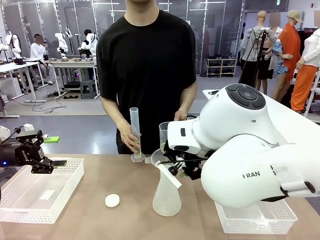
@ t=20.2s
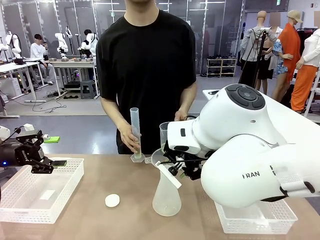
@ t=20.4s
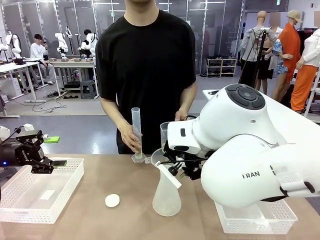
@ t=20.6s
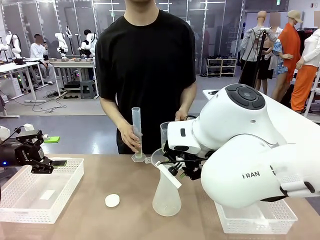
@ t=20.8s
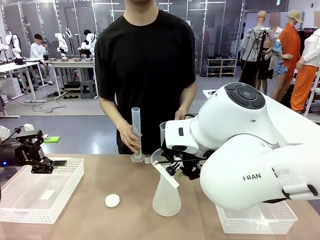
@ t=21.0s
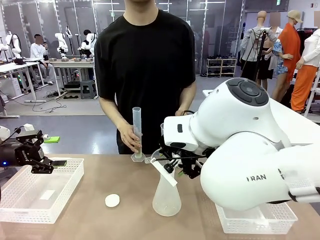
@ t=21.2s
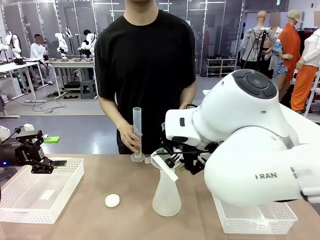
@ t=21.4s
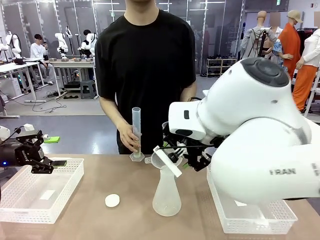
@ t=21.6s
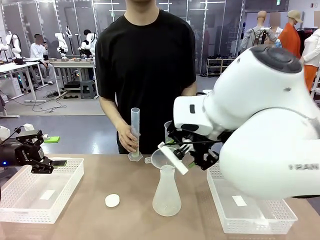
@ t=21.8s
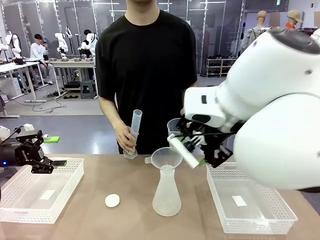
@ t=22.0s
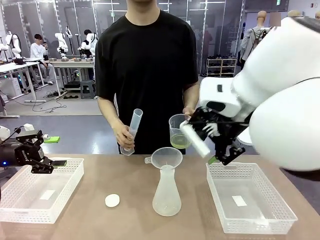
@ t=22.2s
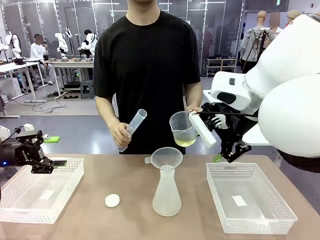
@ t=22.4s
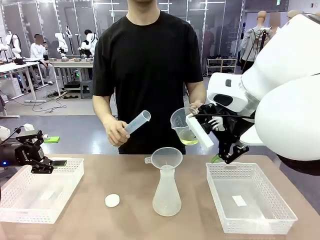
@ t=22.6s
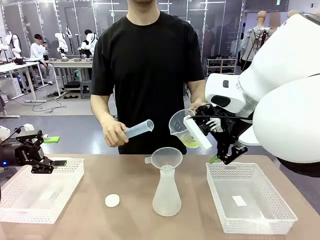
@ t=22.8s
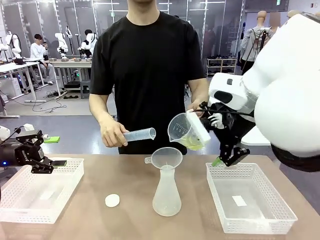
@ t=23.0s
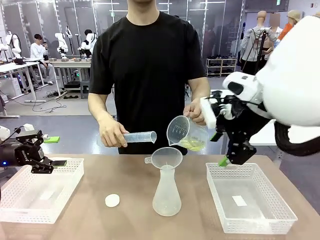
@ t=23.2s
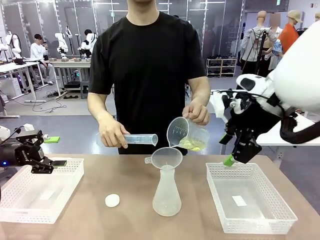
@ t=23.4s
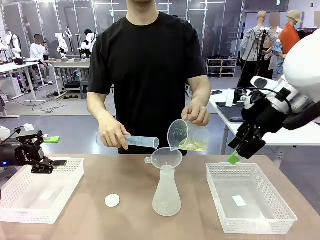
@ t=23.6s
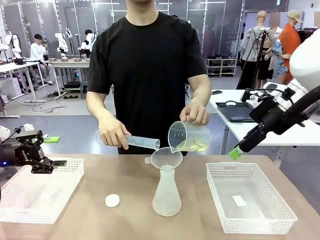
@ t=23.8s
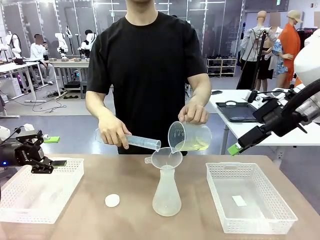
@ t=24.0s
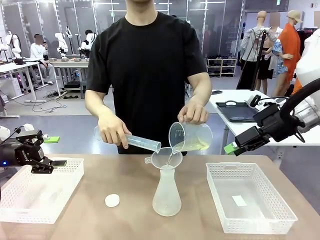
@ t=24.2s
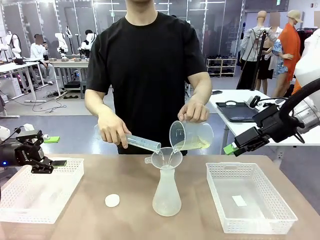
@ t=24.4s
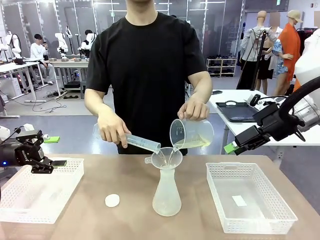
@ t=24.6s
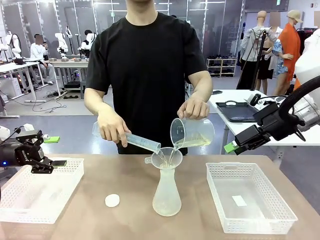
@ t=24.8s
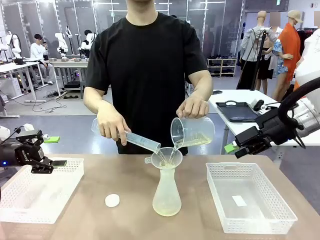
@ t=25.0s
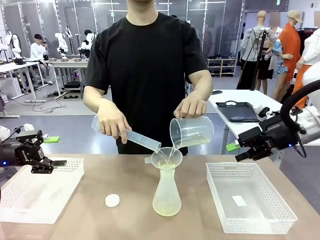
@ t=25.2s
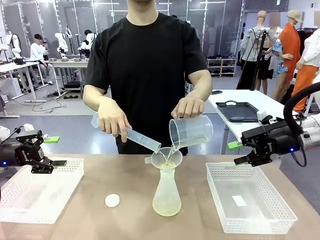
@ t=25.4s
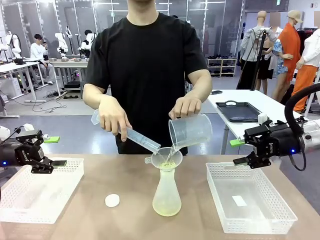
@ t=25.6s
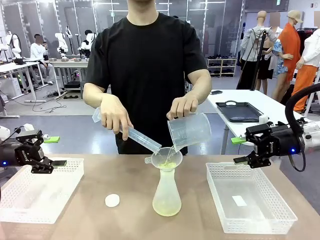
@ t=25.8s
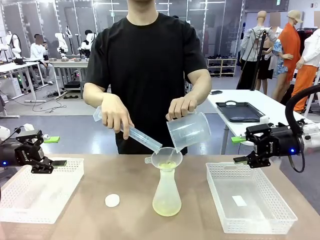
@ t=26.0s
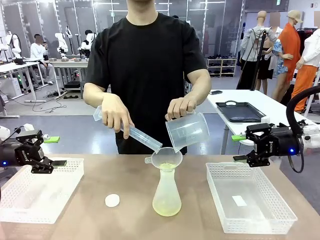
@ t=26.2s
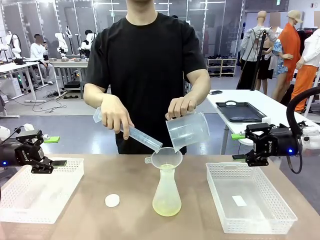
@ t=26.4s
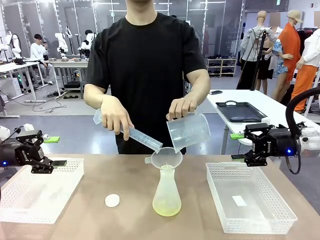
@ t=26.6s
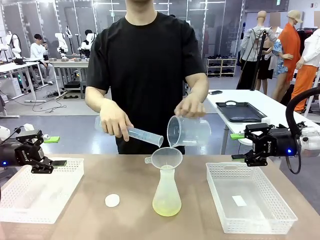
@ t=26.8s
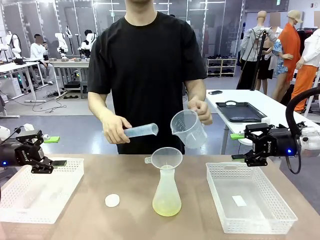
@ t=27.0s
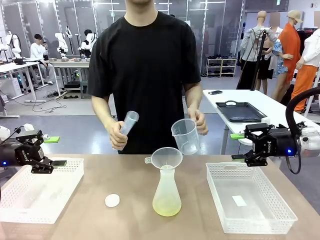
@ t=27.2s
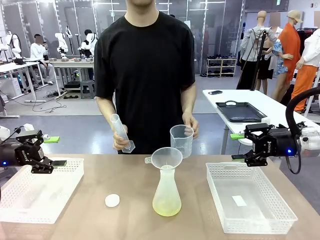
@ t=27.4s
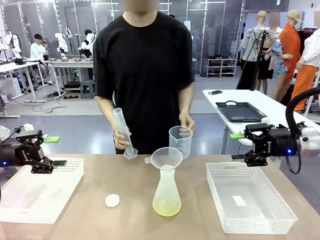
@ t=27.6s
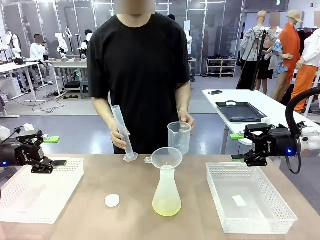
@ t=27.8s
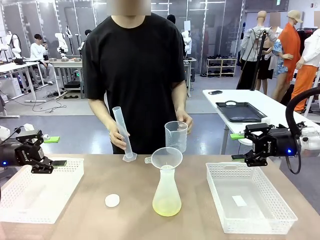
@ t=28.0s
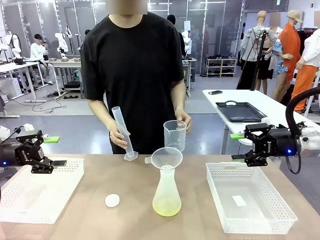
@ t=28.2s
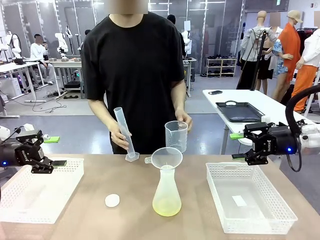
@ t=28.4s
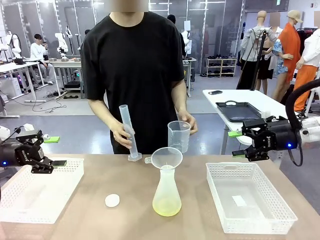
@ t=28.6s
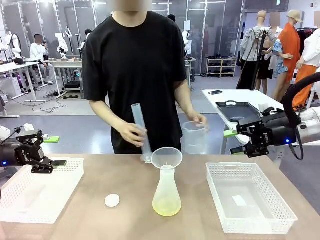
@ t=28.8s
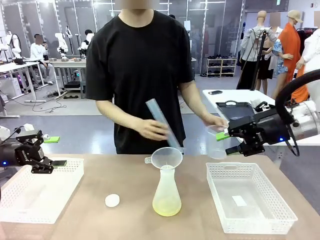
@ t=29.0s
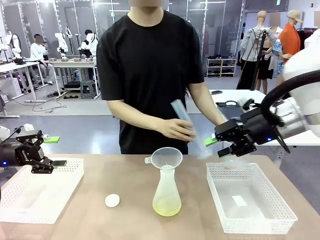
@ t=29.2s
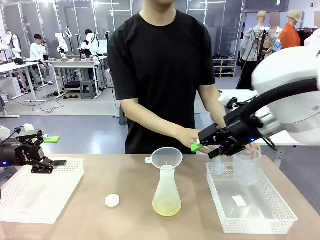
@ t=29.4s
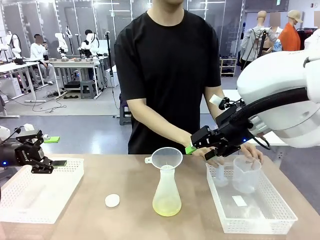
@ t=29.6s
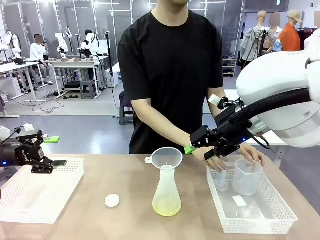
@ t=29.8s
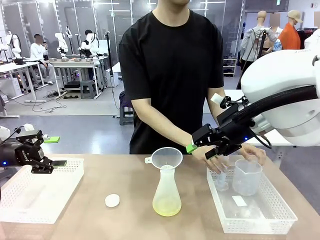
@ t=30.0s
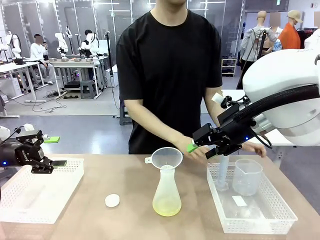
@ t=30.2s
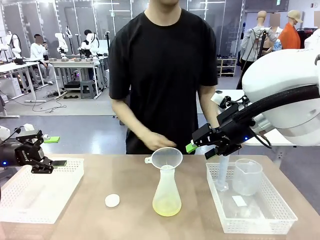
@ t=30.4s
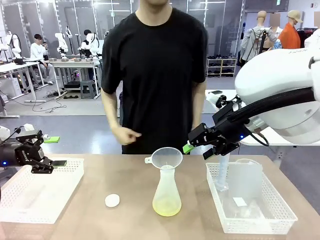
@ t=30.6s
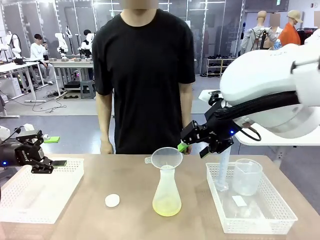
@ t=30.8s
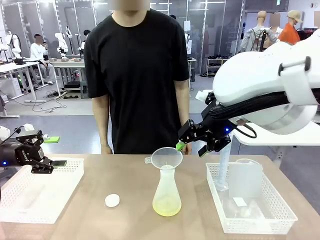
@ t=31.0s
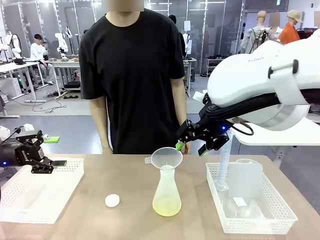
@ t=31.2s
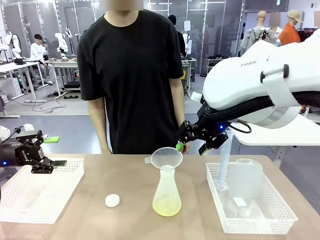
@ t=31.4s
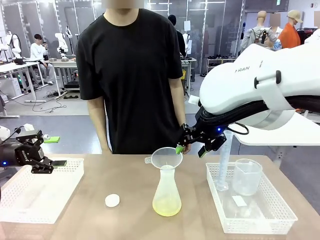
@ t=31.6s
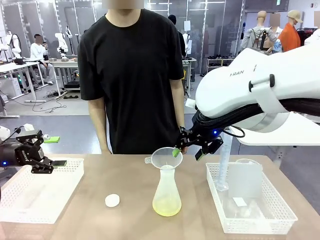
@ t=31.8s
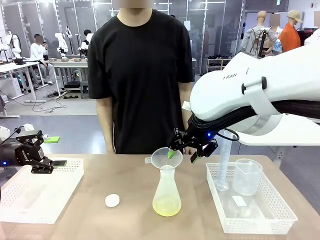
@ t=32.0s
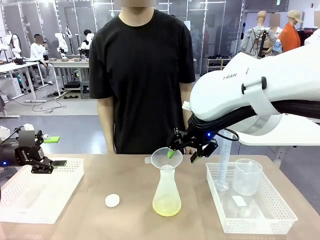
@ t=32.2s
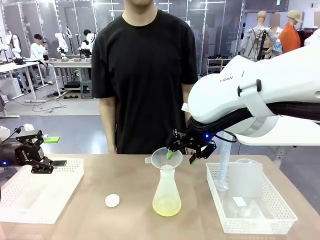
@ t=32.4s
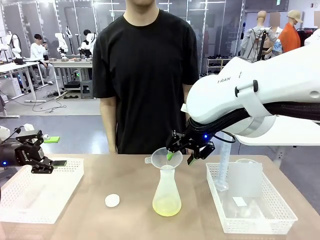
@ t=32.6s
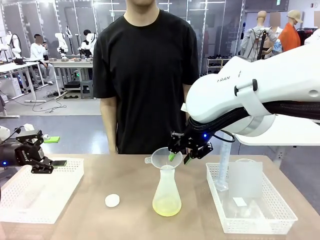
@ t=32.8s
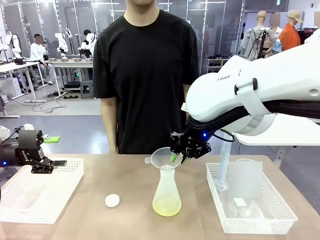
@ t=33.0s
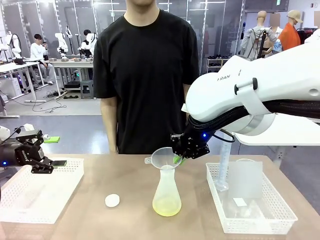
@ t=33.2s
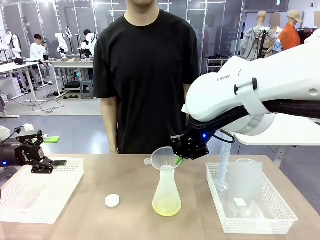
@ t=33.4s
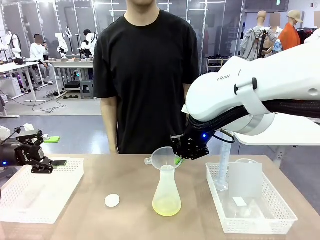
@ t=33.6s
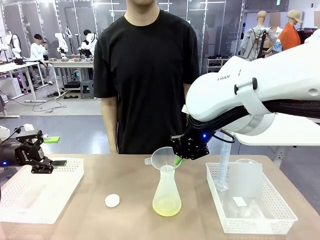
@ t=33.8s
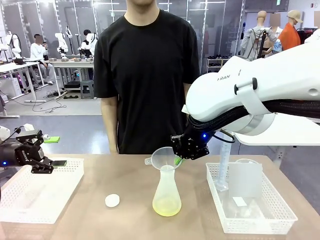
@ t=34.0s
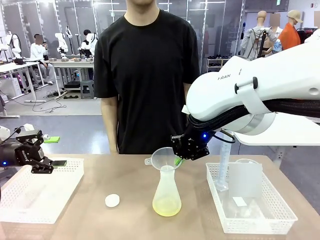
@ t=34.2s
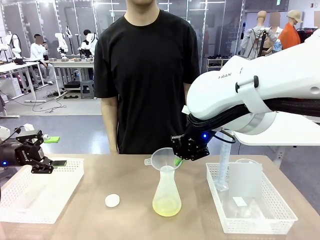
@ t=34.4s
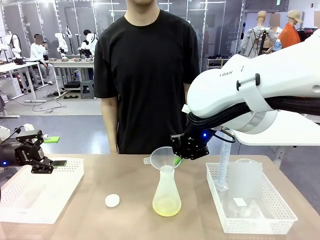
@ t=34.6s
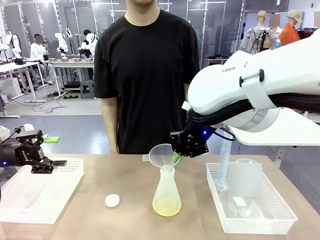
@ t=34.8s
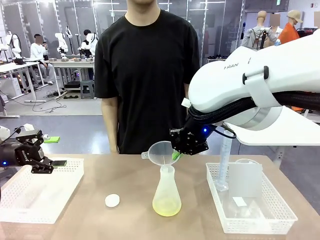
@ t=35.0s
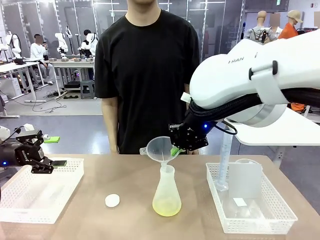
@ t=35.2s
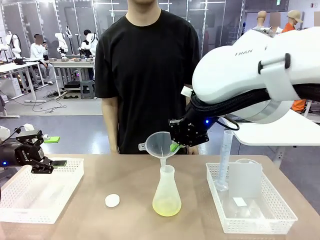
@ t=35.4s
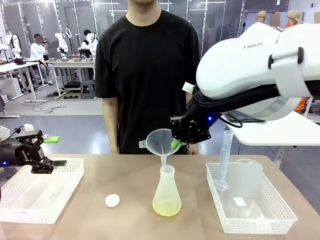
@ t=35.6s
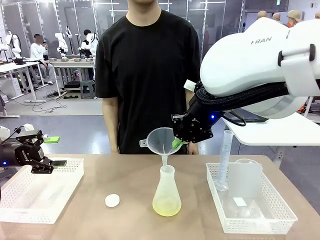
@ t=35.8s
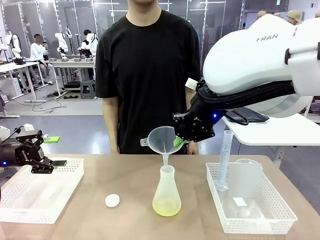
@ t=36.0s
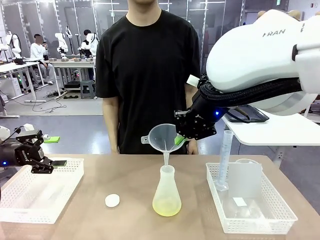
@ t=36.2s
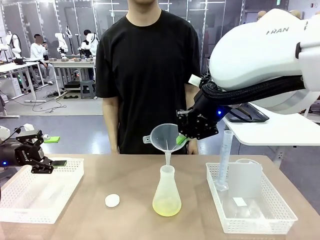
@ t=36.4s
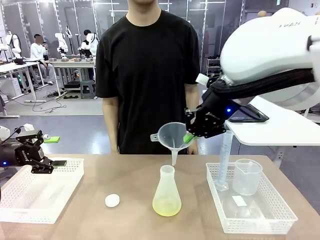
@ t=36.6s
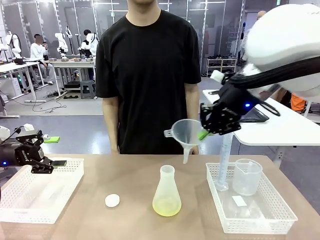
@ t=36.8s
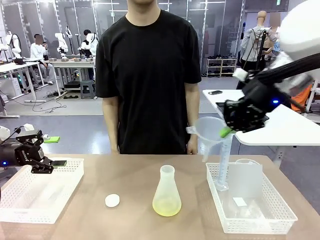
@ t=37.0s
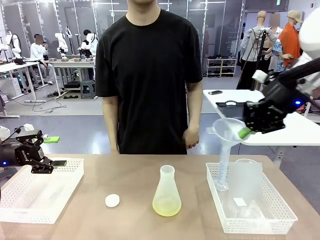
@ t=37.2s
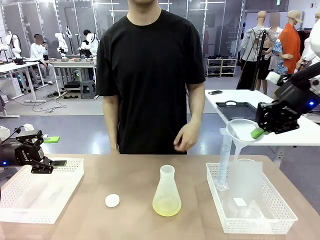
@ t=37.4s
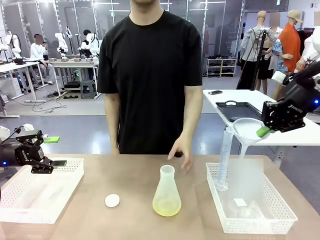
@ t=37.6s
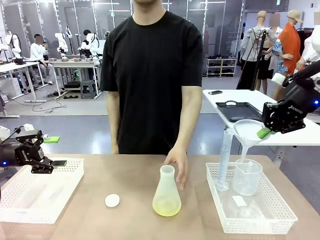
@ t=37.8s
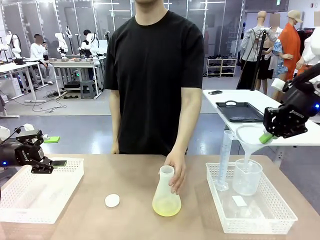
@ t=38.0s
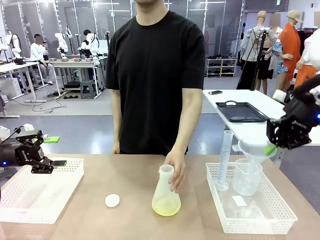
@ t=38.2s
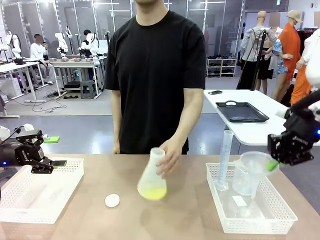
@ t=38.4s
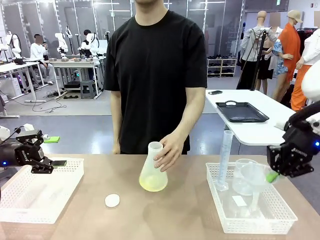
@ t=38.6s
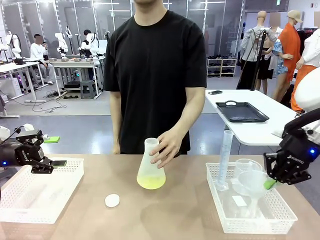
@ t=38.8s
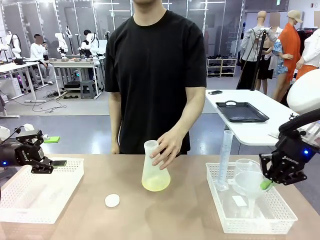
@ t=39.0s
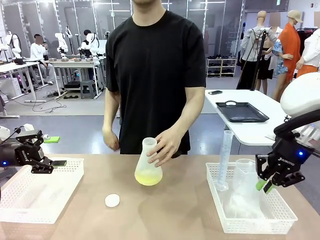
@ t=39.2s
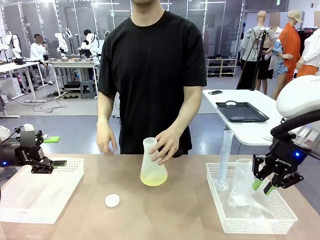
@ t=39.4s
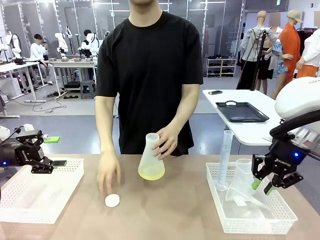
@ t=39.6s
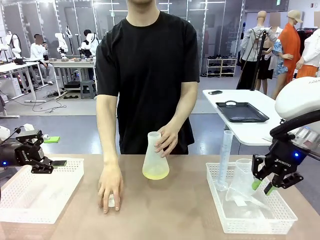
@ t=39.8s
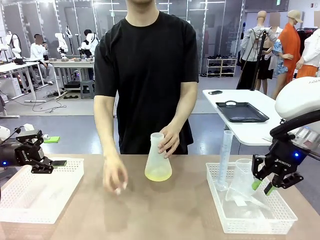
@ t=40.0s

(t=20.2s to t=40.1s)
Task: Prepare the solutions needed for the experiment.
Robot: Once the solution is in the Big flask , pick up the Plastic Funnel and place it back into the right Organizing basket.
Person: Place the beaker and the cylinder into the organizing basket on the left side. Pick up the flask, gently shake it 2–3 times, place it in the middle of the robot table, and close the lid.
